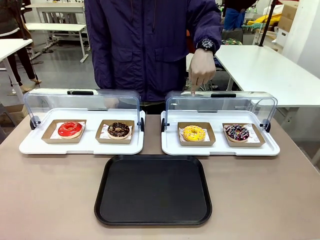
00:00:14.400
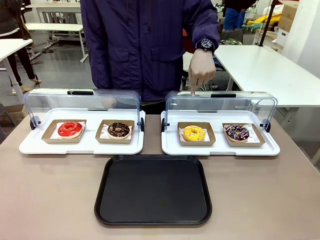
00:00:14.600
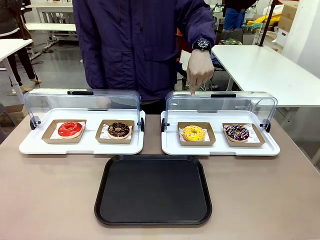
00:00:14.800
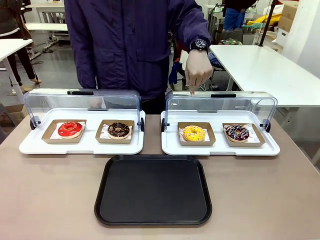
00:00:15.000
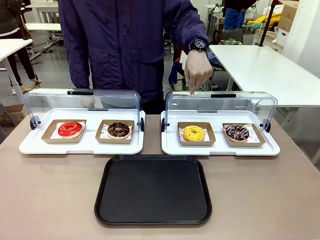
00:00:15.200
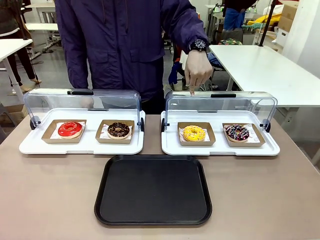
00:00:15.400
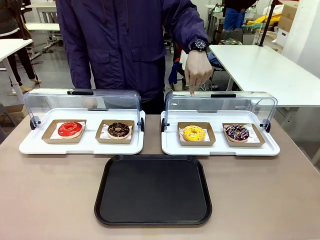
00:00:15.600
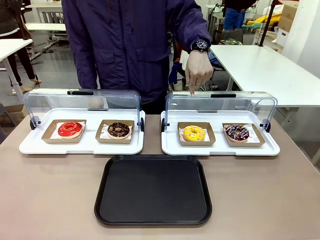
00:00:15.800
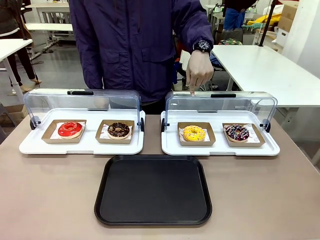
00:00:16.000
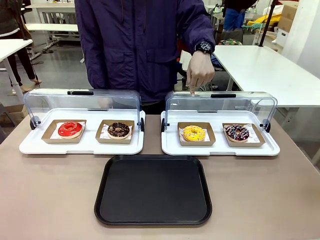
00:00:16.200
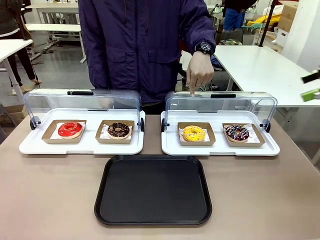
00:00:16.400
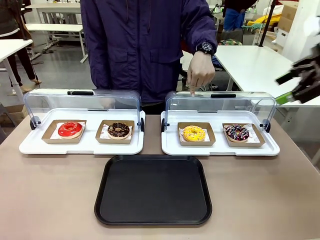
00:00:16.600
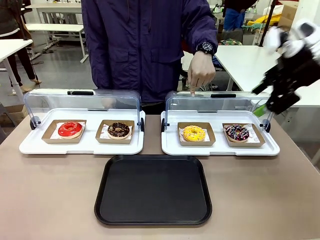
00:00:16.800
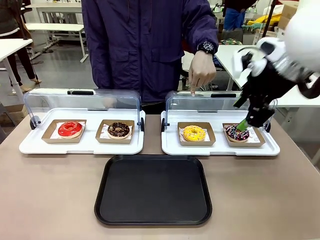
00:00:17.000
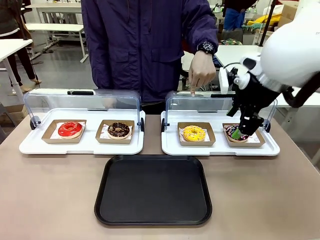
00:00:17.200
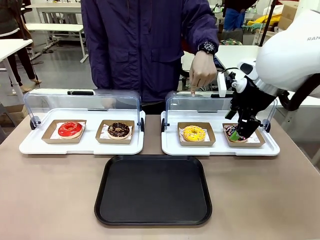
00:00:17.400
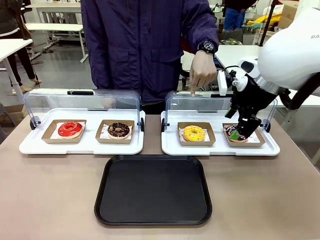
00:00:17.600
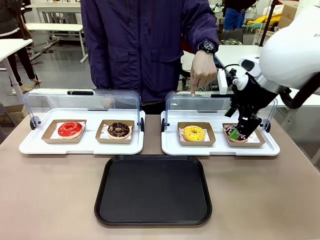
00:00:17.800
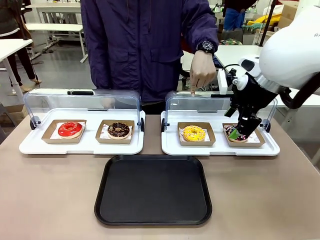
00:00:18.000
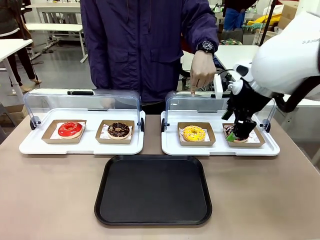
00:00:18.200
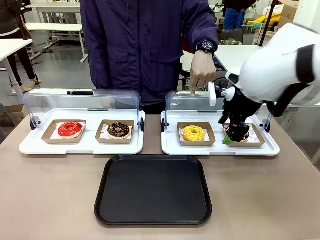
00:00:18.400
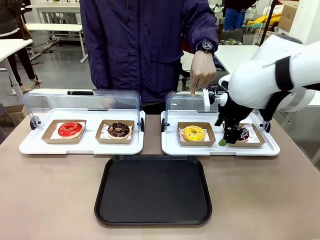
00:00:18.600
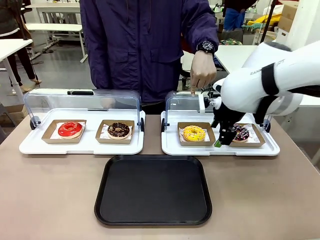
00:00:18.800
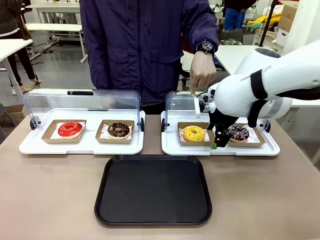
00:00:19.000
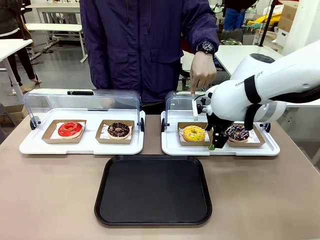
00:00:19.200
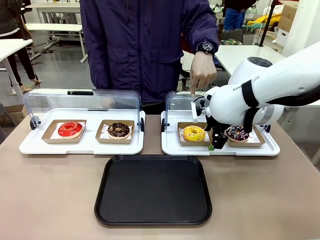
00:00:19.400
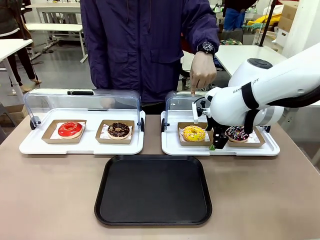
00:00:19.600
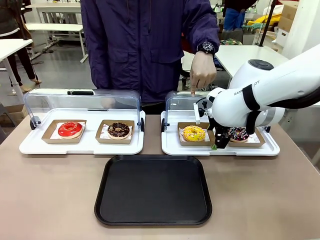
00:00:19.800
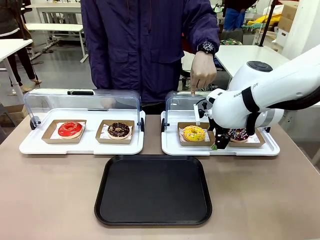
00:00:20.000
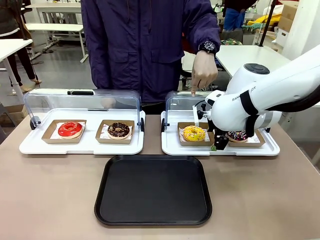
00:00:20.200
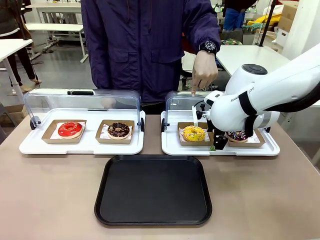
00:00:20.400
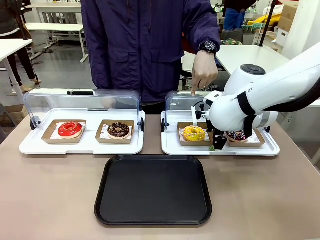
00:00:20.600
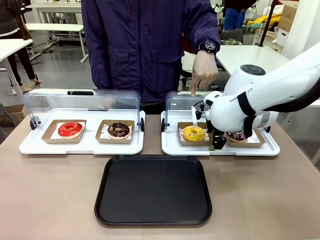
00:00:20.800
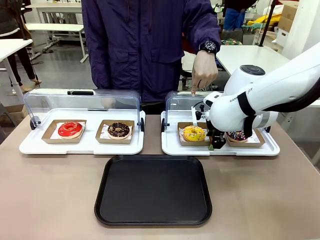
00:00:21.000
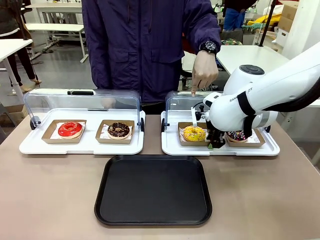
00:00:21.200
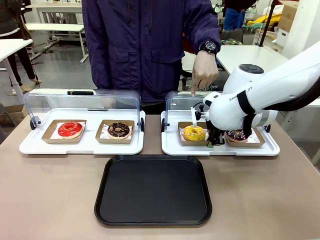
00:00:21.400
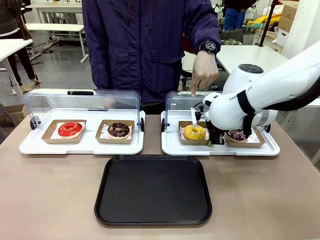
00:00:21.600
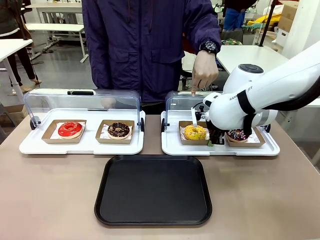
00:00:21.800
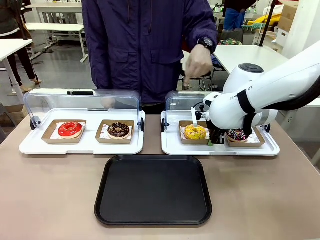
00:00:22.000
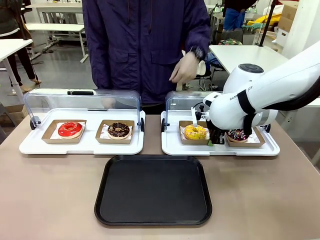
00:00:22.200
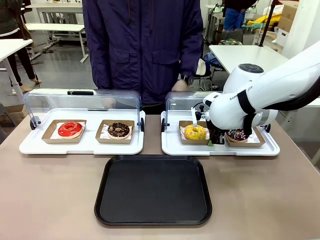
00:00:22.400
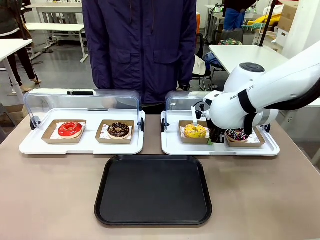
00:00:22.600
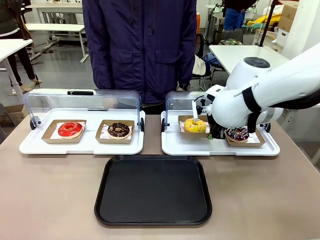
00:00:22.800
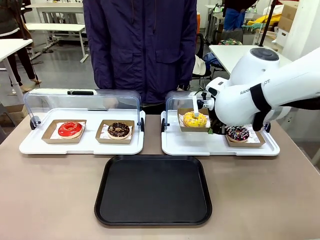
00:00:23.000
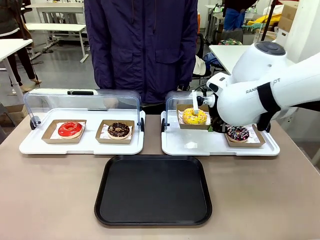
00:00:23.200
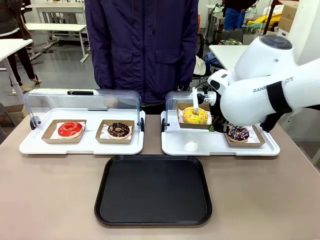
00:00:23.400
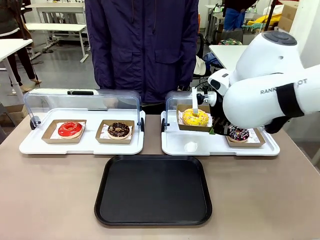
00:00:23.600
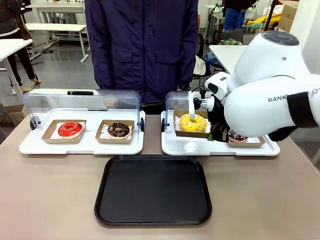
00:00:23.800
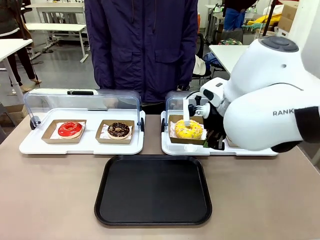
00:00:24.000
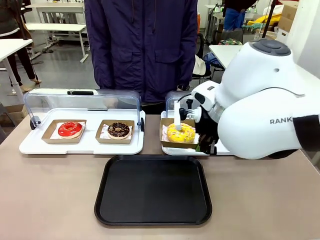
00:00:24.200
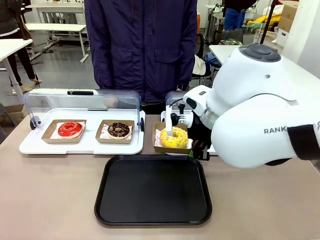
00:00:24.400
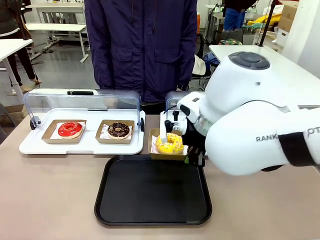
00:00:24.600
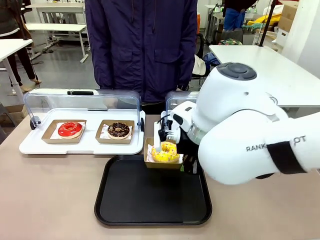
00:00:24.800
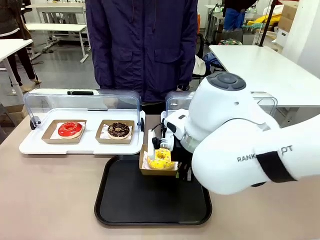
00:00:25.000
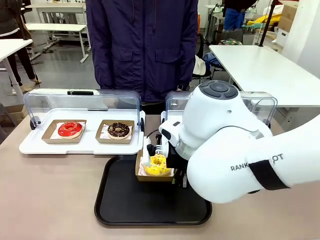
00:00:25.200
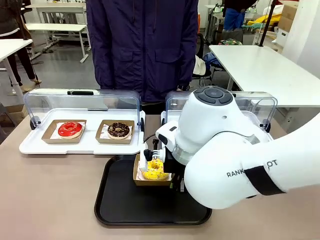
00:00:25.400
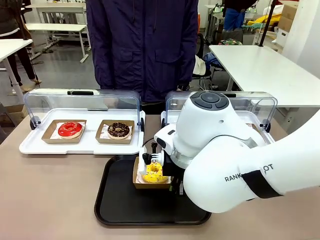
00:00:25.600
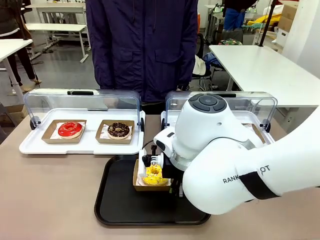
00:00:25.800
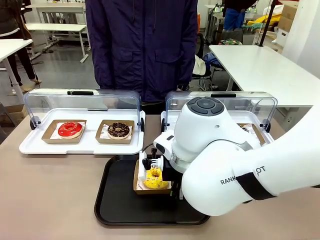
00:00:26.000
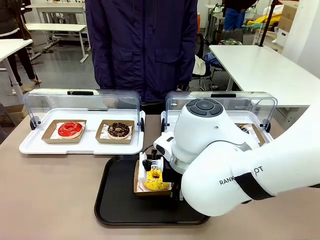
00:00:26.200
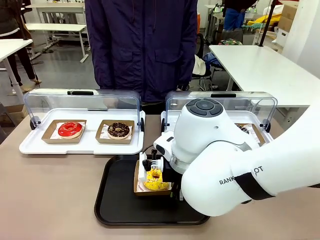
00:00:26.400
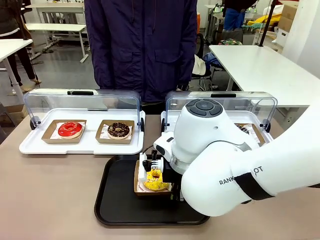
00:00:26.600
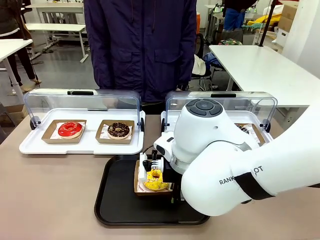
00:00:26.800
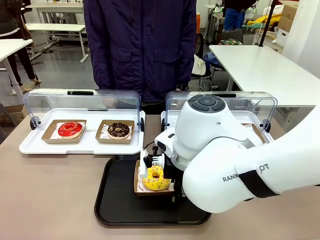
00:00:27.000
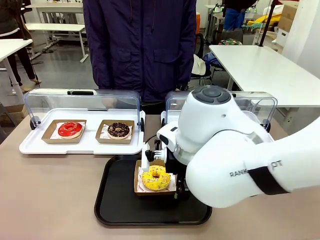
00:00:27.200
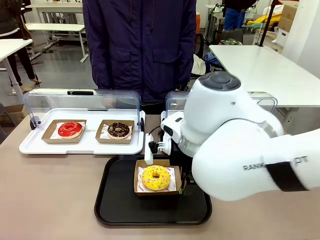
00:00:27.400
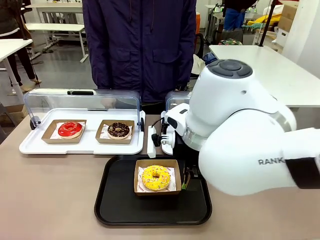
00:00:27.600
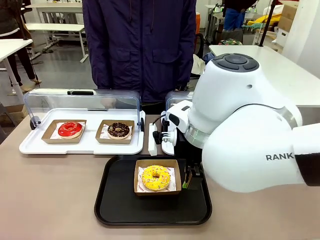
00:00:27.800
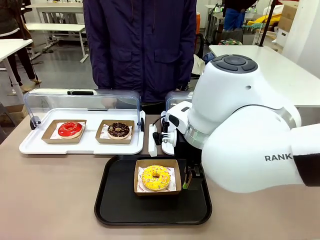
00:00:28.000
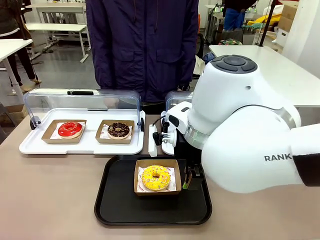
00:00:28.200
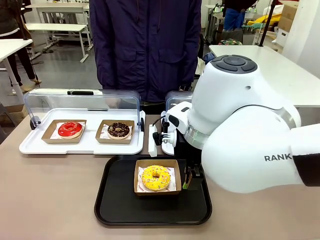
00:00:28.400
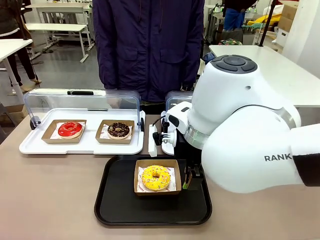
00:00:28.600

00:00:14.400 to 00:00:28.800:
Task: Move the third donut from the left to the tray.
Robot: Pick up the Paper togo box containing the Donut indicated by the person and place it on the Handle tray.
